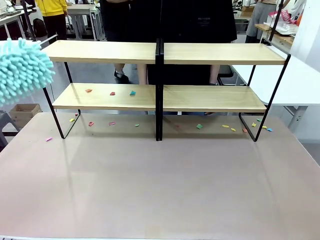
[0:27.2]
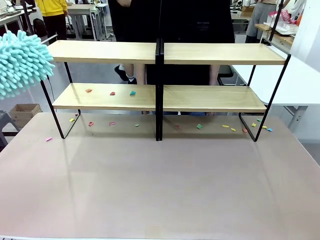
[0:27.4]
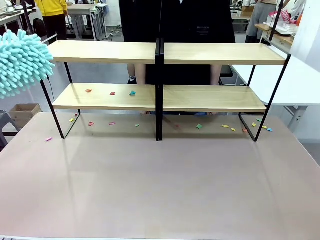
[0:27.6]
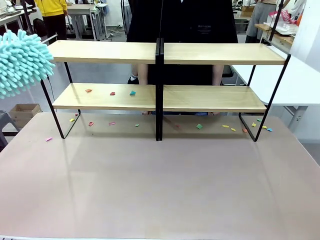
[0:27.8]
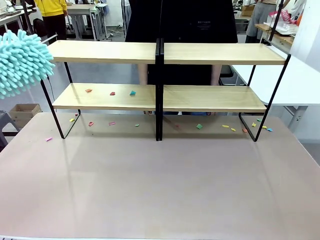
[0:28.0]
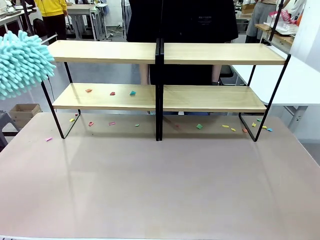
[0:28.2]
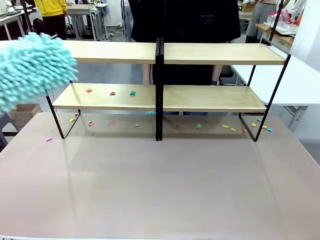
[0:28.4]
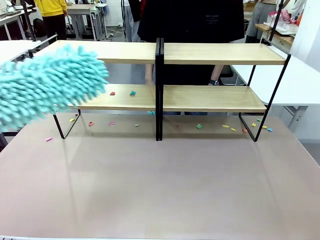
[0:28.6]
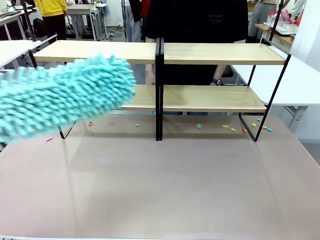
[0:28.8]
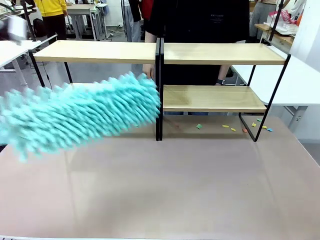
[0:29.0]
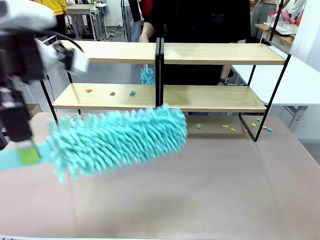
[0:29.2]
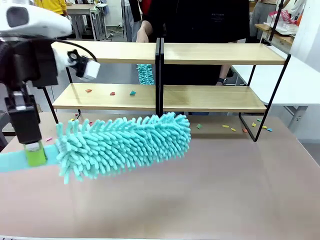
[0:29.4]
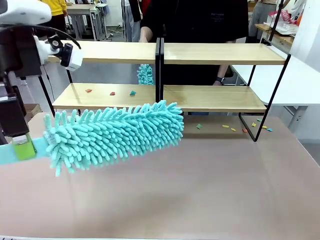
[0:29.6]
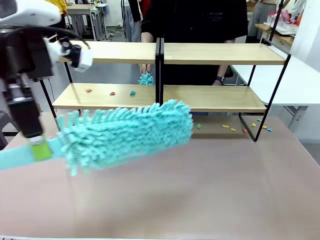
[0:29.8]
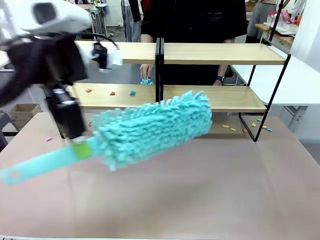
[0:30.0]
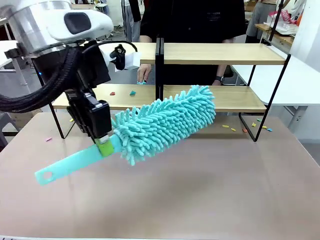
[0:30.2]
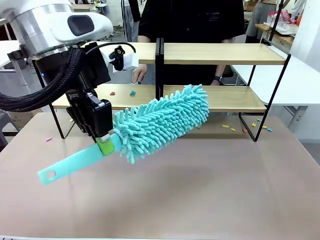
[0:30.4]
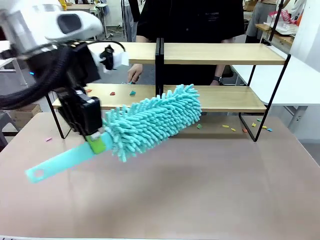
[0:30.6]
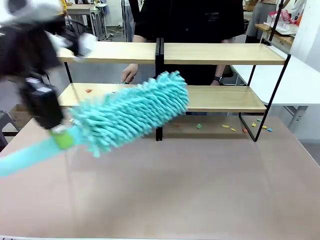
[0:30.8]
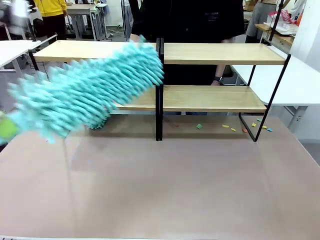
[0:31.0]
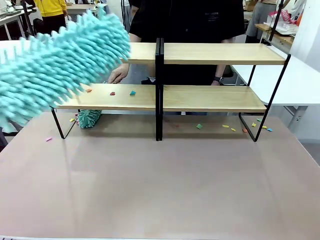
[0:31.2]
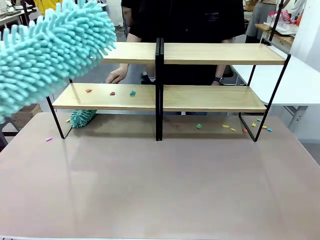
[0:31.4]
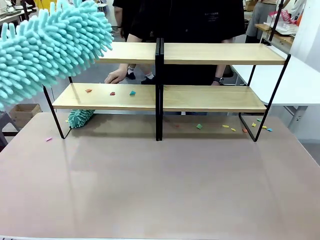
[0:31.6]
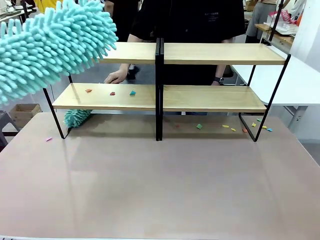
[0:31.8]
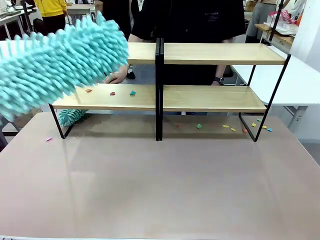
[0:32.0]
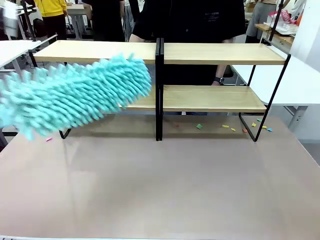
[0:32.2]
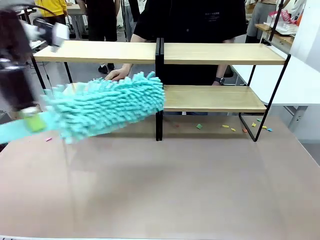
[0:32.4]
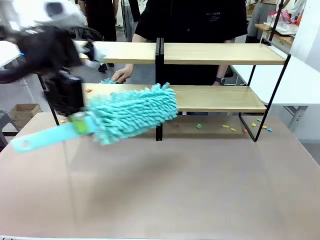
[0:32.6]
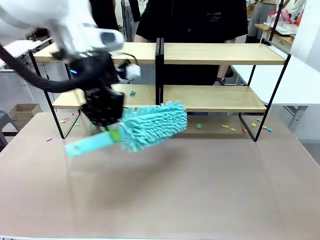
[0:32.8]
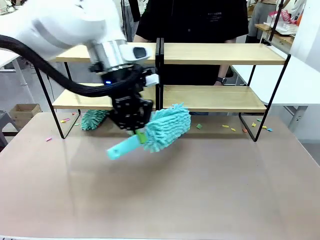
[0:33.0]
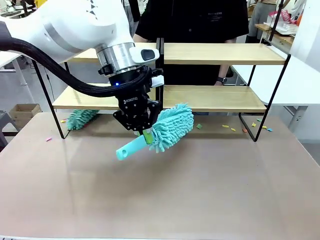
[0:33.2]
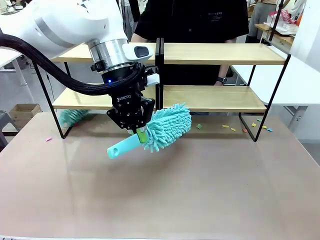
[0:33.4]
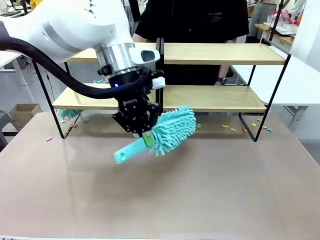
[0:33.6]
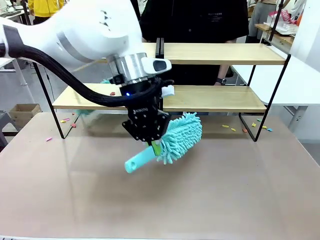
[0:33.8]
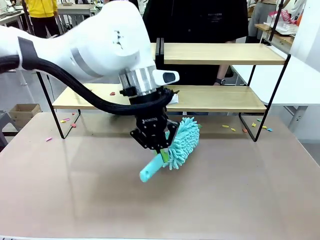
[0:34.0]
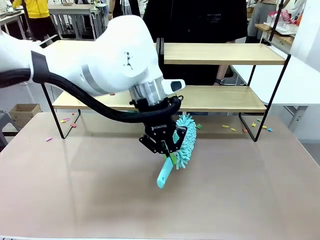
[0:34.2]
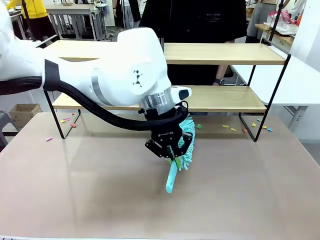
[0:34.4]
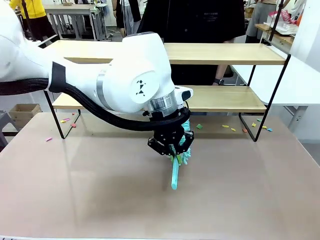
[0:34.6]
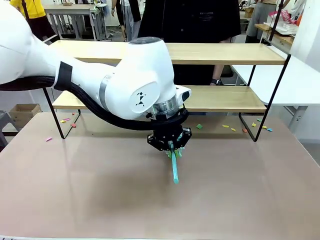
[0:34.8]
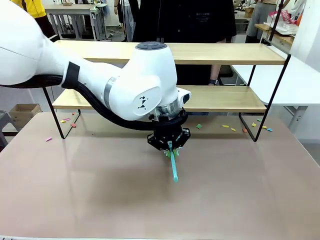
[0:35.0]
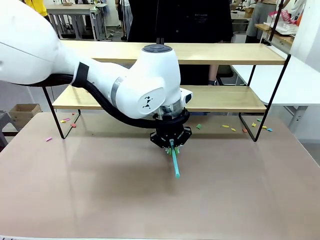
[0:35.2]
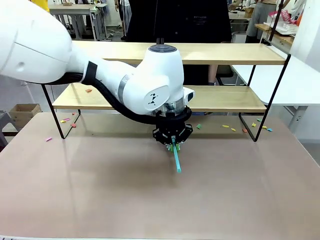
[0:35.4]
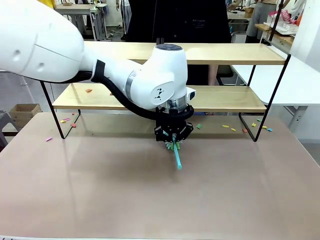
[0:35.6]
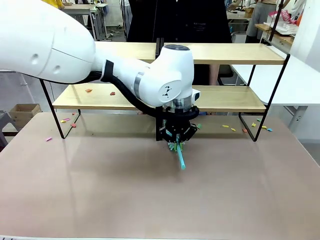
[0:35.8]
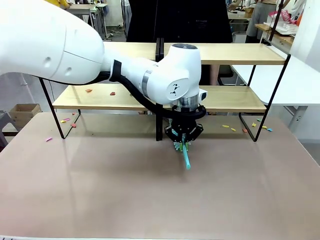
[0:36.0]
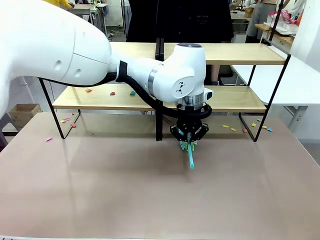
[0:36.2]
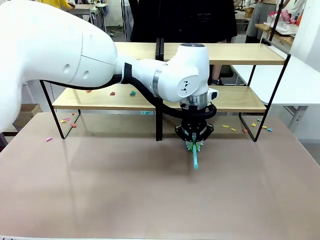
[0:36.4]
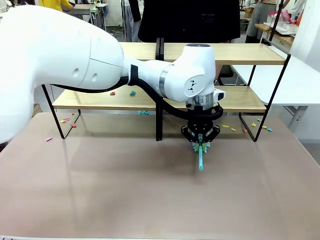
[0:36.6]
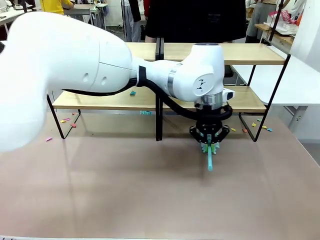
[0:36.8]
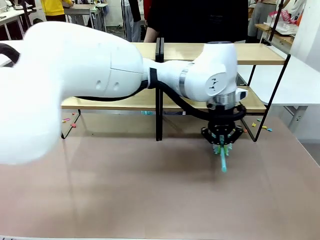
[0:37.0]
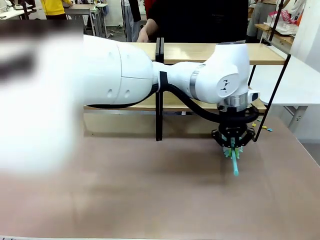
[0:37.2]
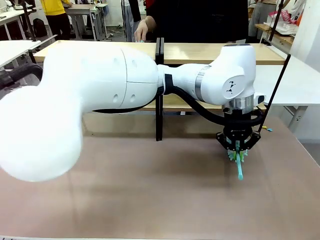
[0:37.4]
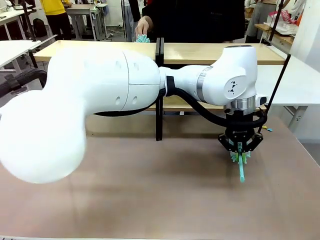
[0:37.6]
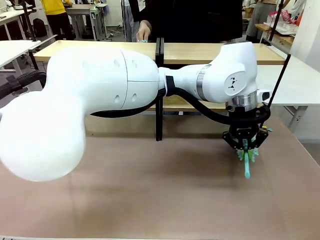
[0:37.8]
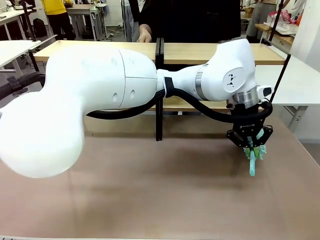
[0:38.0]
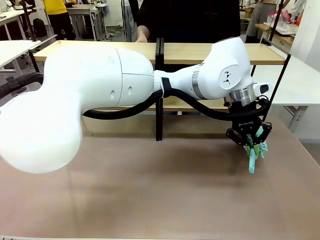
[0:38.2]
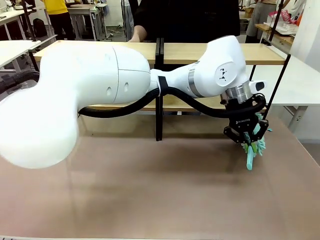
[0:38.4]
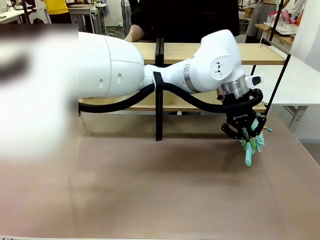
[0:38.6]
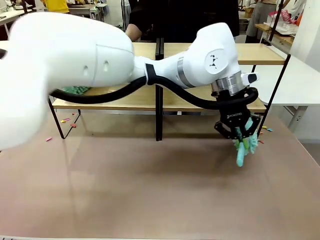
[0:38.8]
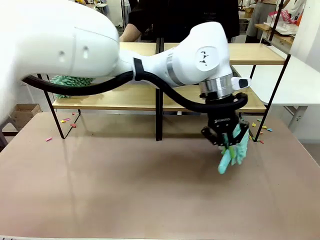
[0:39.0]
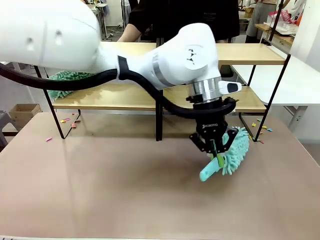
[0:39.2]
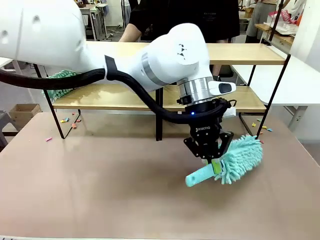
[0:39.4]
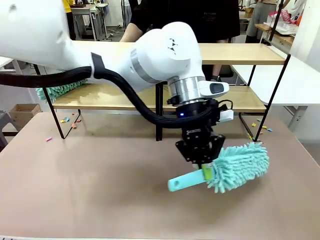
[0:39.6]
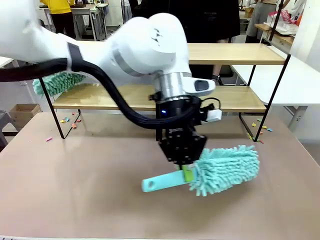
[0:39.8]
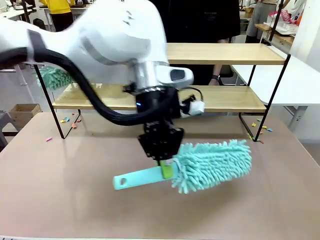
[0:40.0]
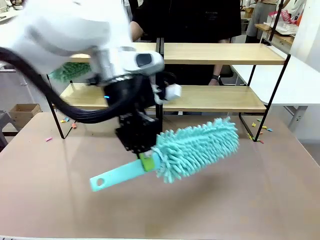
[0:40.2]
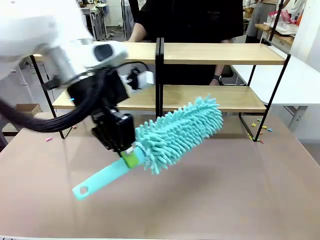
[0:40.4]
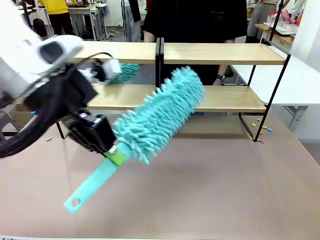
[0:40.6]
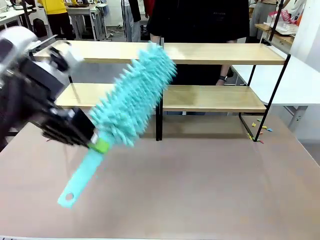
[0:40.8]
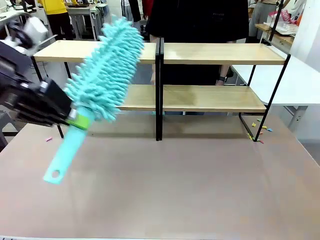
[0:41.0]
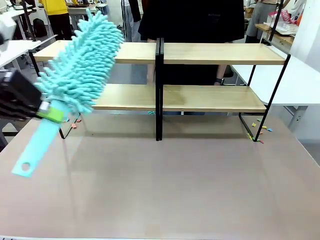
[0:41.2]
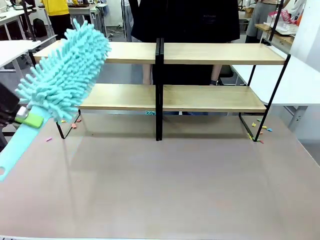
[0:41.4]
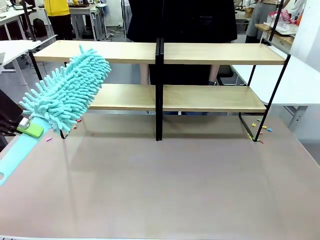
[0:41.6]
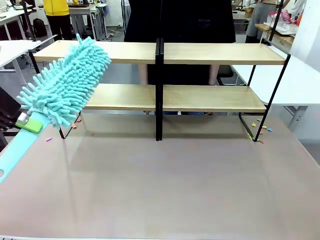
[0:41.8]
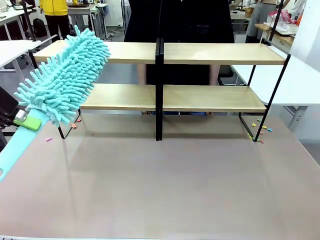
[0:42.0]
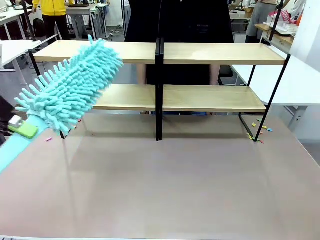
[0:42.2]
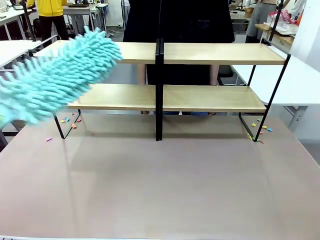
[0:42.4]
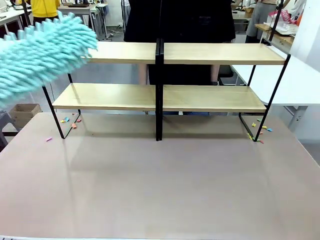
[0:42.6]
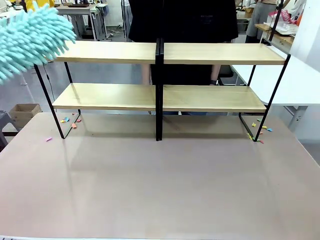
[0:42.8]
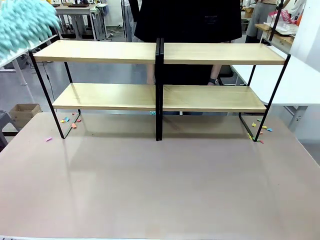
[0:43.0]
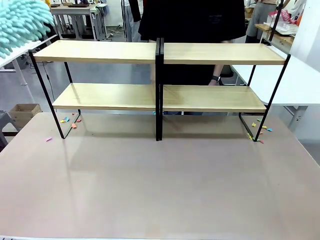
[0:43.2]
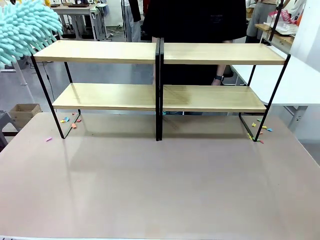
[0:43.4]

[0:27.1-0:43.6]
Task: Clean the shelves.
Robot: Clean another randomly selected level of the Shelf with the Duster.

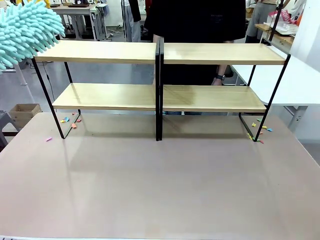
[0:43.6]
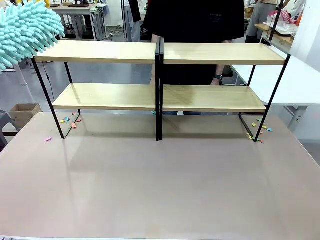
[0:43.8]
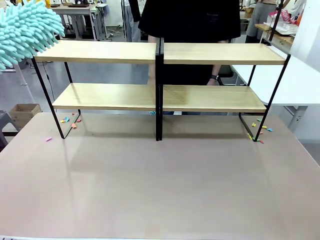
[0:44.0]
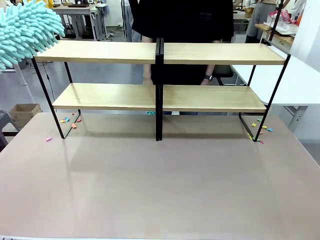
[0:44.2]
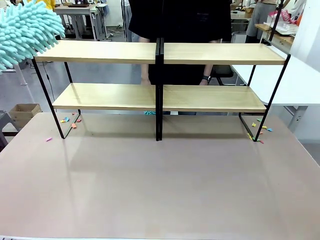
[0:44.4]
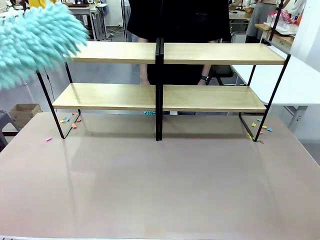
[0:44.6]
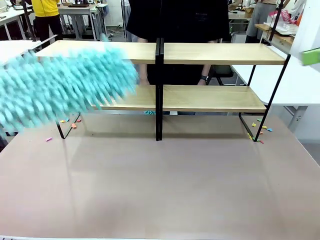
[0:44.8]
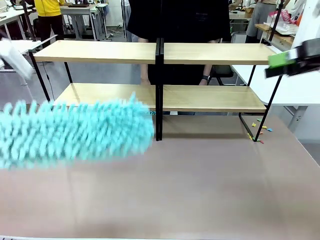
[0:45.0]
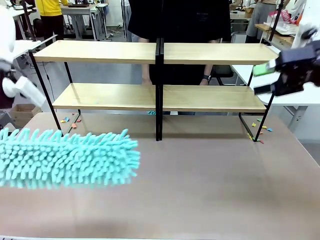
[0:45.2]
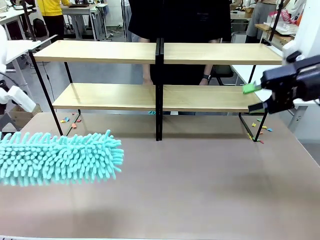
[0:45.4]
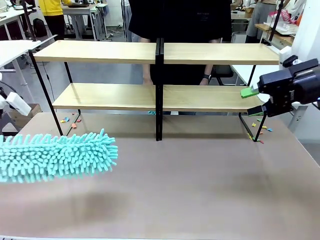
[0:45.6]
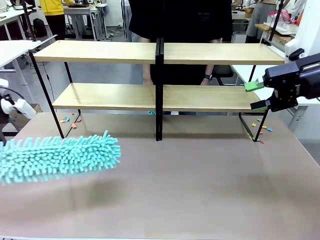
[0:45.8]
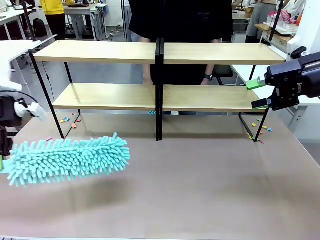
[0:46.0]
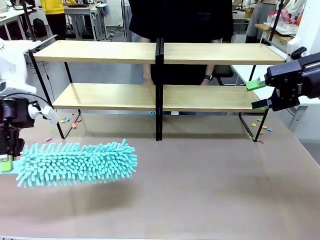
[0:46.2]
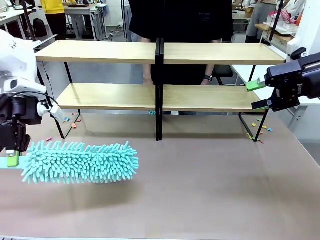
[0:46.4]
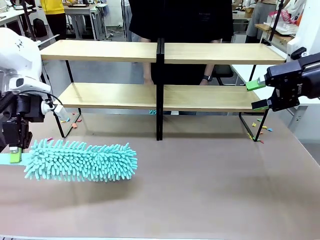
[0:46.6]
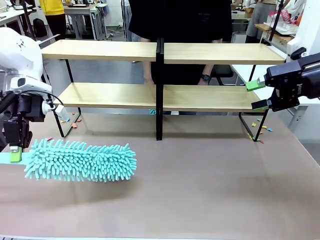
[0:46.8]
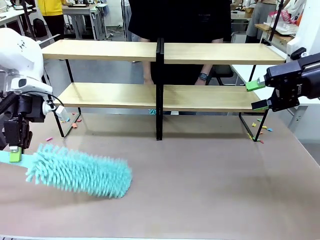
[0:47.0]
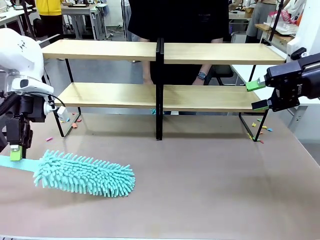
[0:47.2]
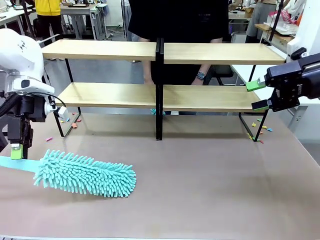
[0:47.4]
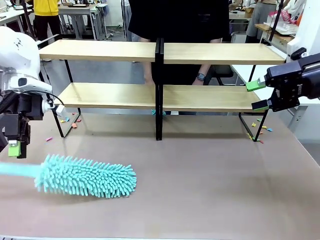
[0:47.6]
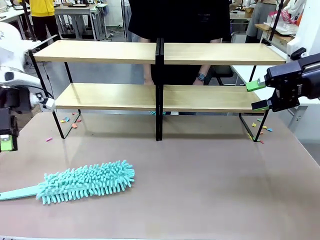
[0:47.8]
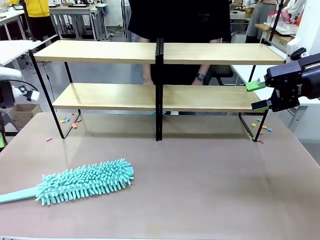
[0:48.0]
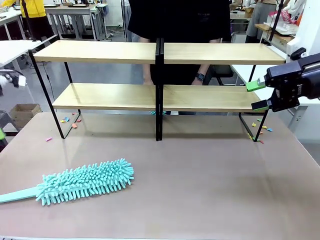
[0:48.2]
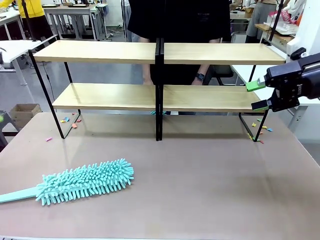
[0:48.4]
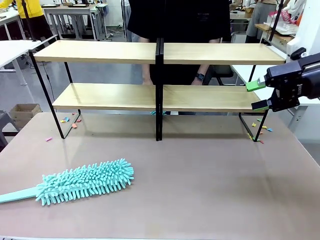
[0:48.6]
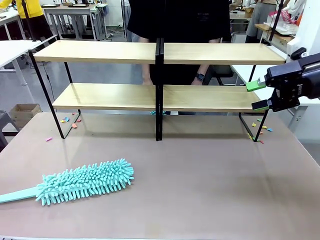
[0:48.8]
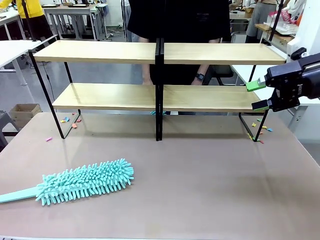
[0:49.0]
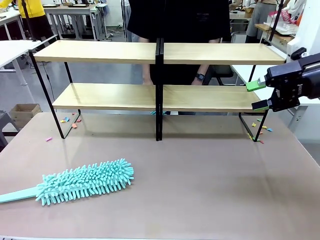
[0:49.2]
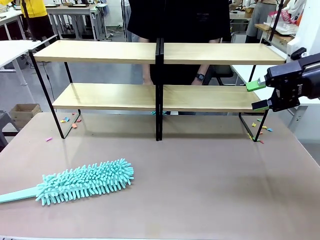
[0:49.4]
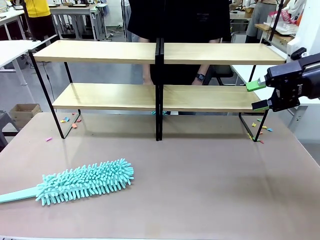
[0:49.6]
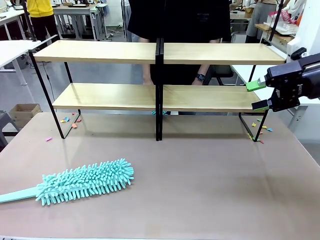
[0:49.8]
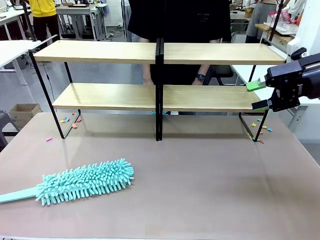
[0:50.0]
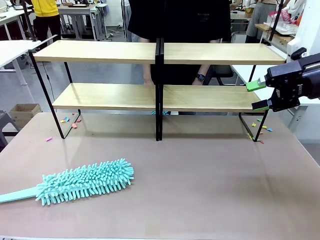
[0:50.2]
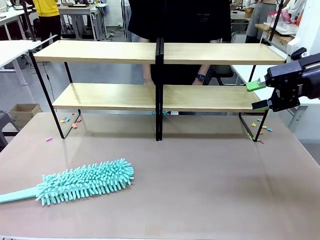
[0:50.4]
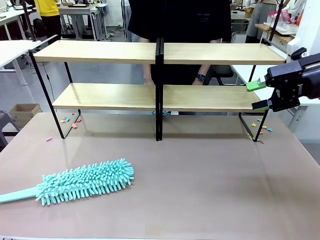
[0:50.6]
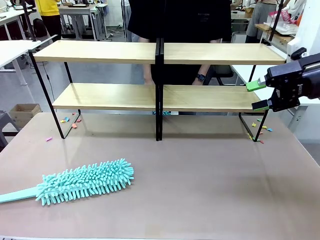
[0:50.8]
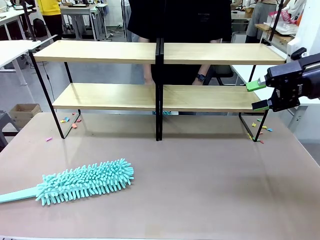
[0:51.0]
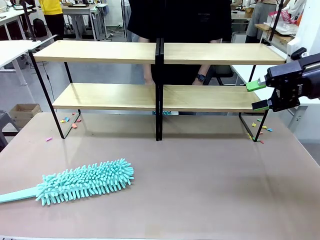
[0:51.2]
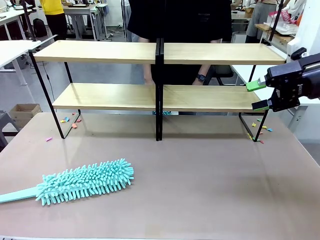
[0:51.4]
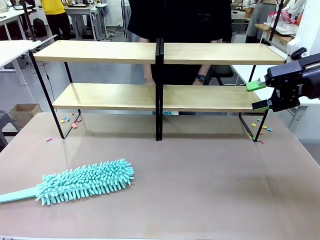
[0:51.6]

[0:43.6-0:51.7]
Robot: Place the Duster on the table.
